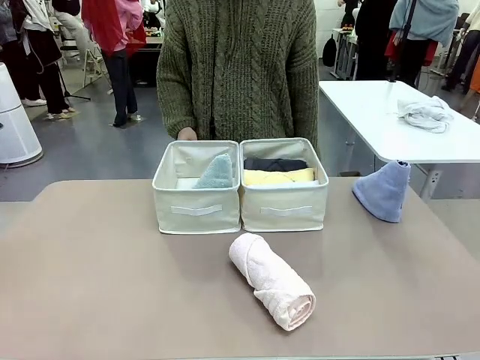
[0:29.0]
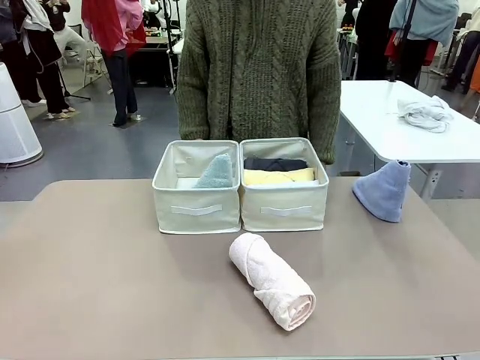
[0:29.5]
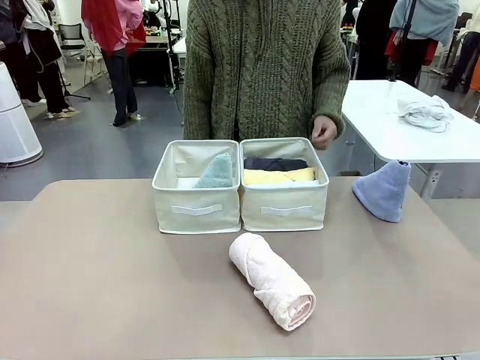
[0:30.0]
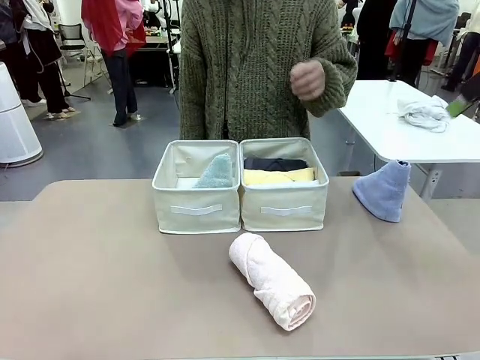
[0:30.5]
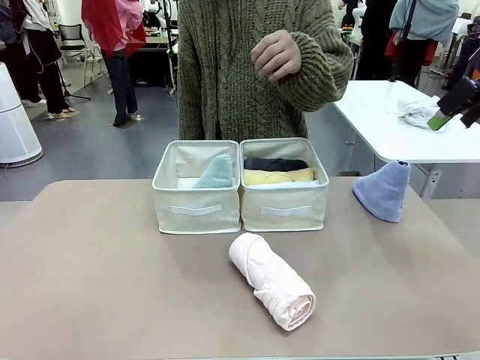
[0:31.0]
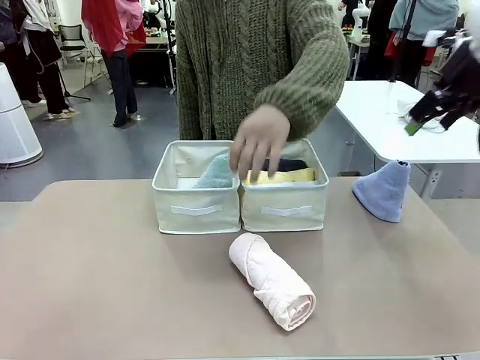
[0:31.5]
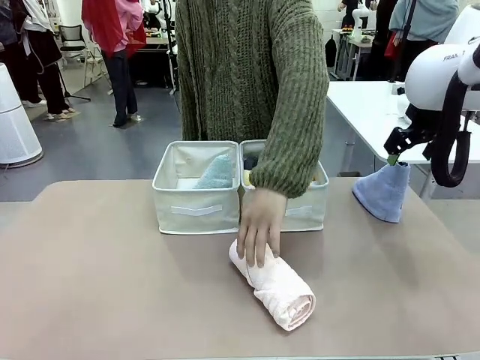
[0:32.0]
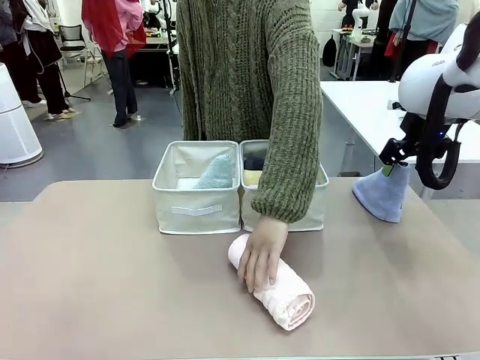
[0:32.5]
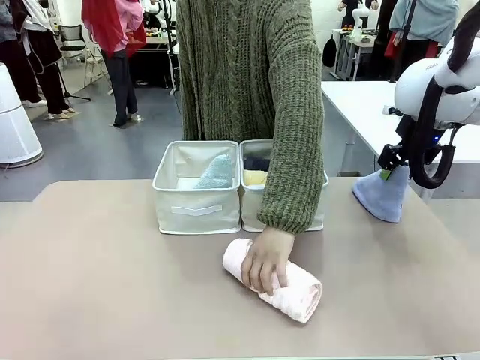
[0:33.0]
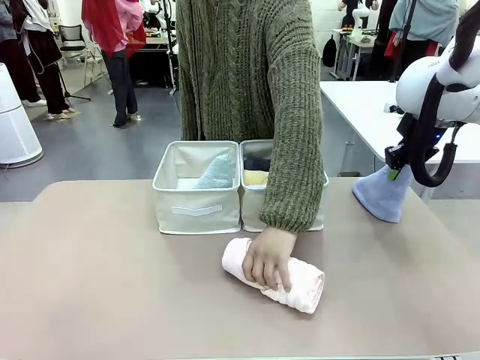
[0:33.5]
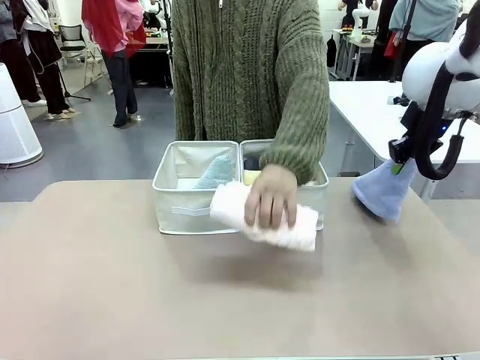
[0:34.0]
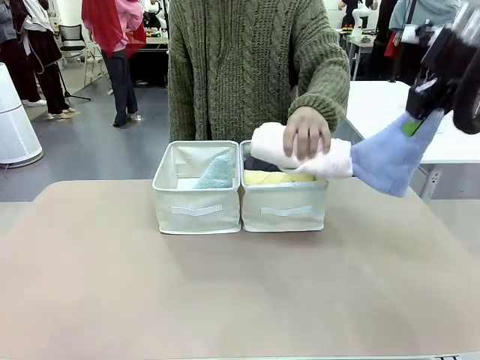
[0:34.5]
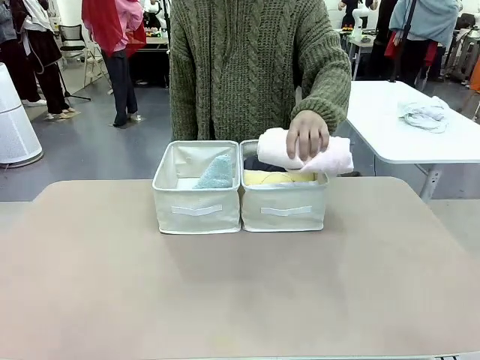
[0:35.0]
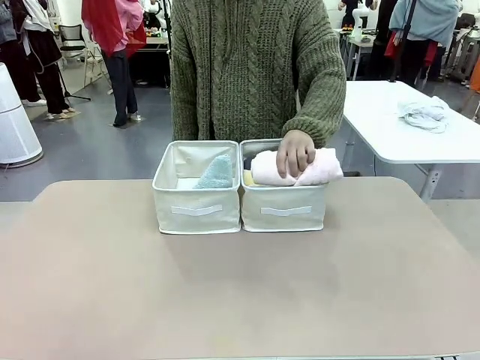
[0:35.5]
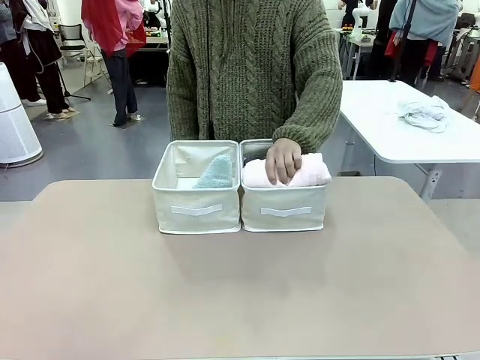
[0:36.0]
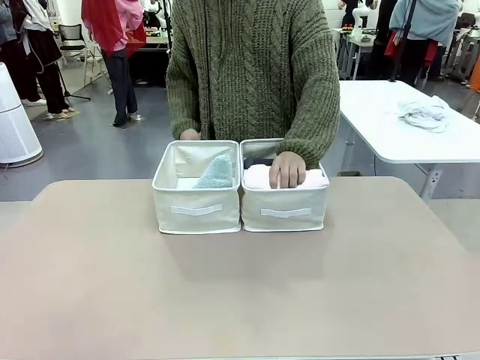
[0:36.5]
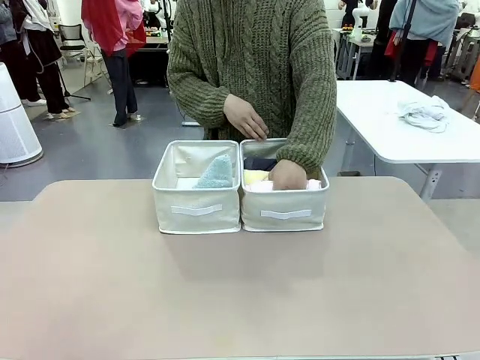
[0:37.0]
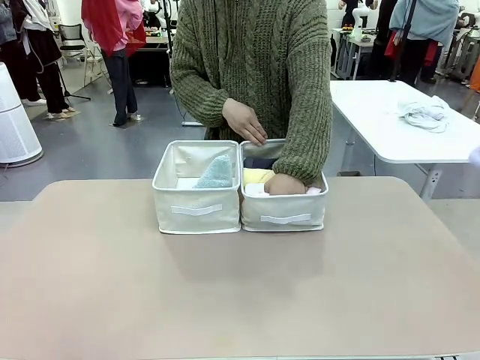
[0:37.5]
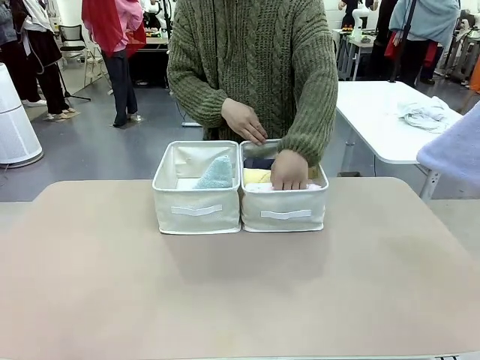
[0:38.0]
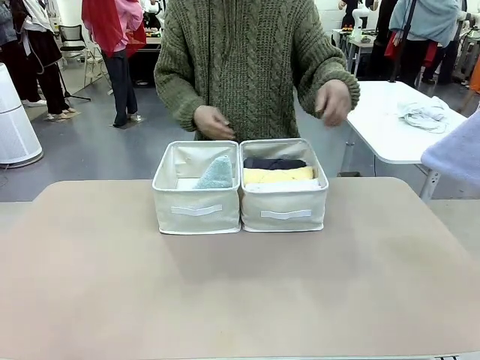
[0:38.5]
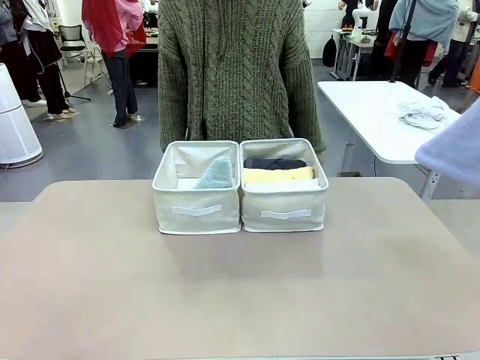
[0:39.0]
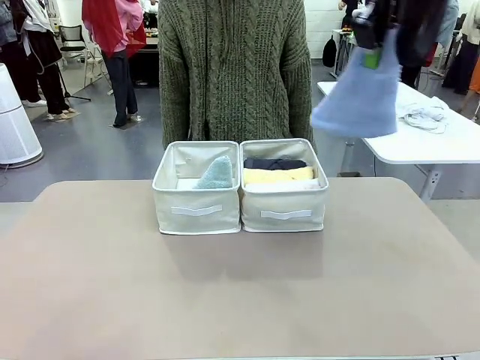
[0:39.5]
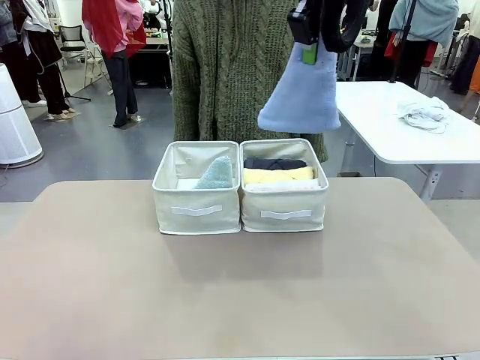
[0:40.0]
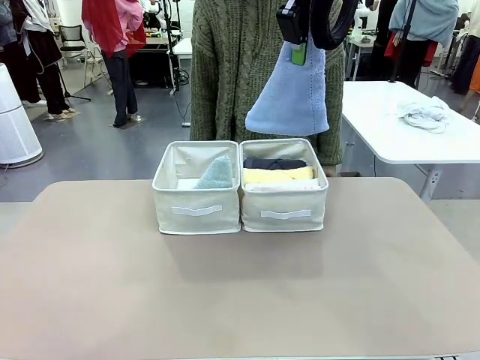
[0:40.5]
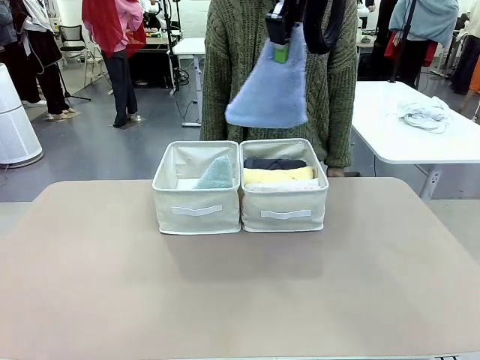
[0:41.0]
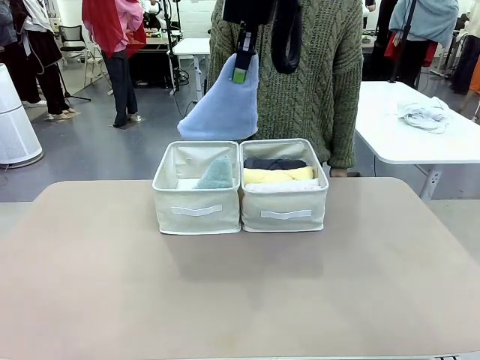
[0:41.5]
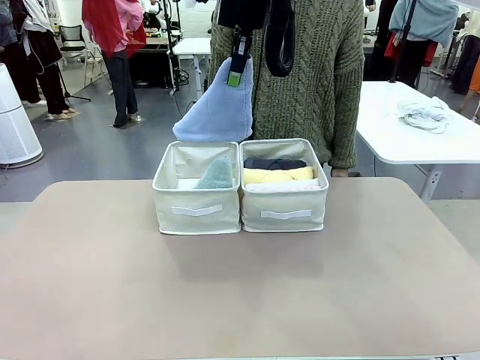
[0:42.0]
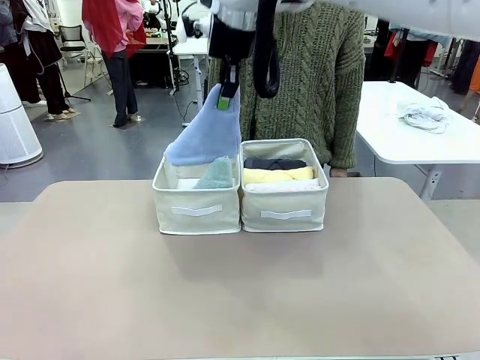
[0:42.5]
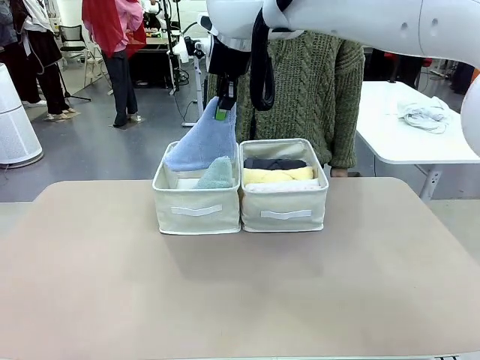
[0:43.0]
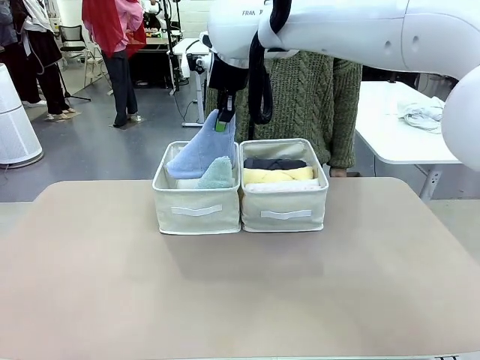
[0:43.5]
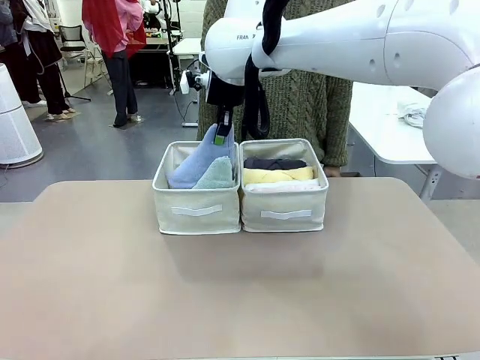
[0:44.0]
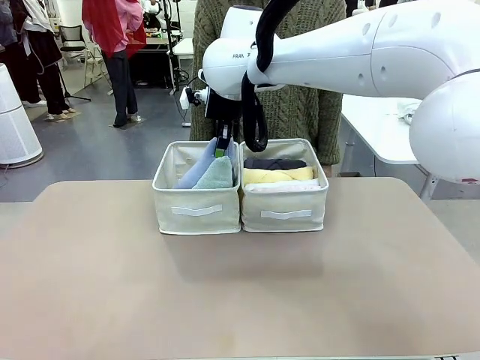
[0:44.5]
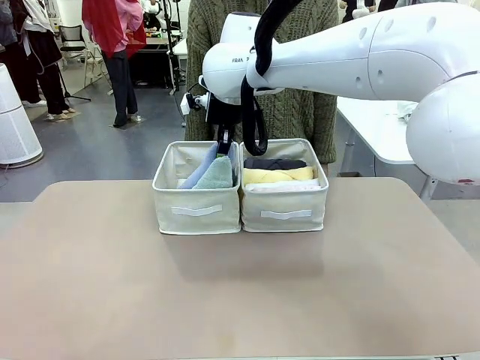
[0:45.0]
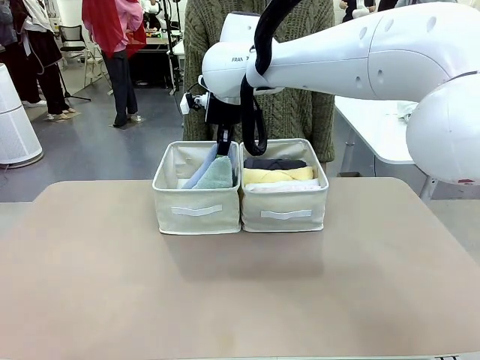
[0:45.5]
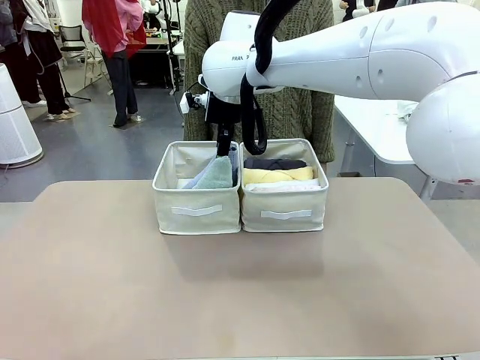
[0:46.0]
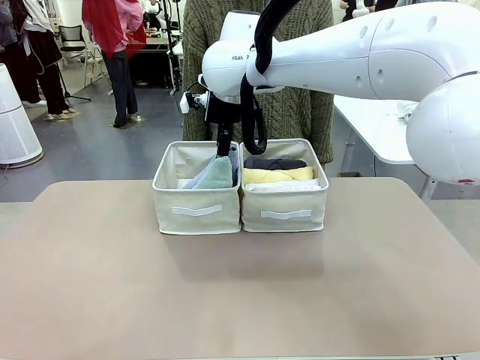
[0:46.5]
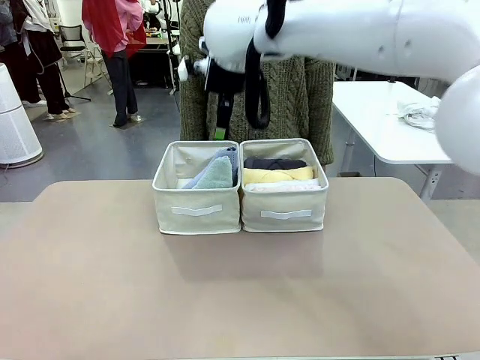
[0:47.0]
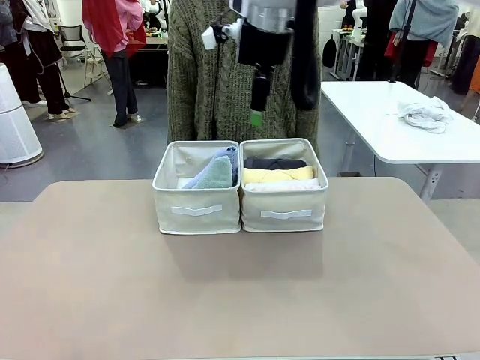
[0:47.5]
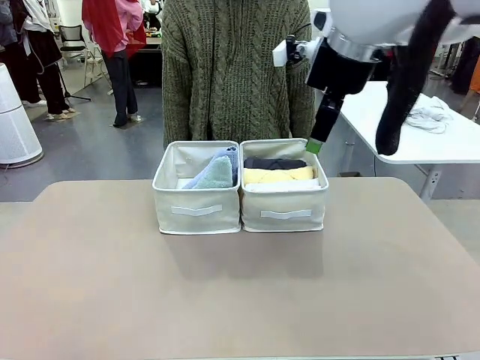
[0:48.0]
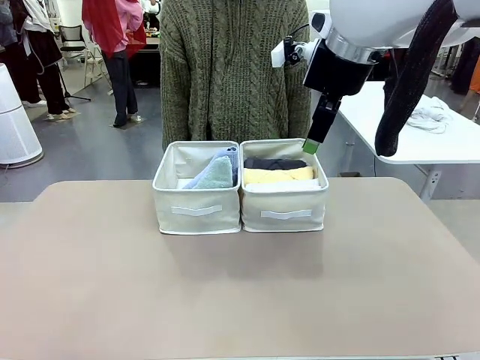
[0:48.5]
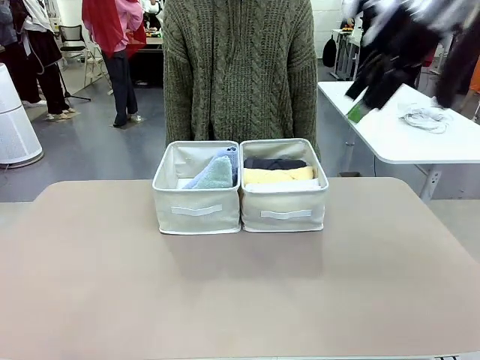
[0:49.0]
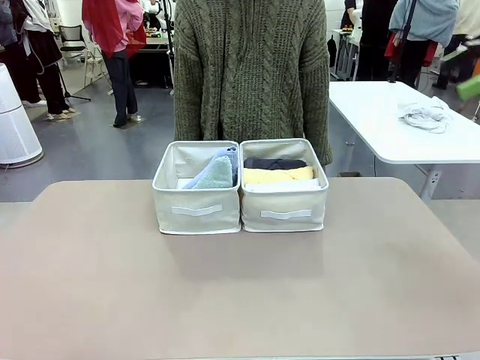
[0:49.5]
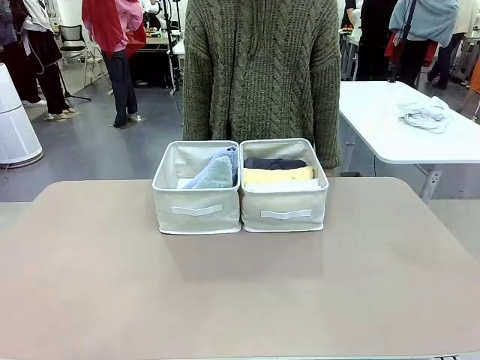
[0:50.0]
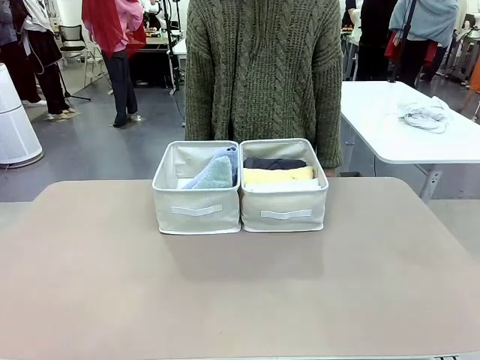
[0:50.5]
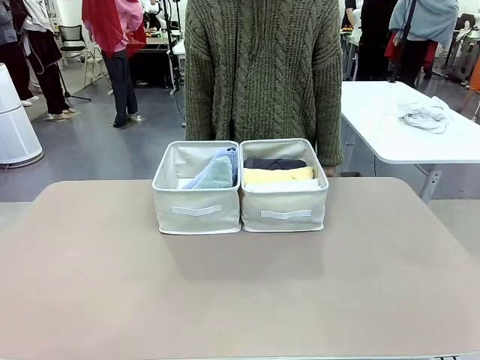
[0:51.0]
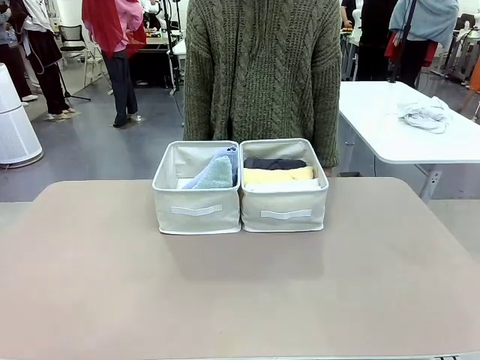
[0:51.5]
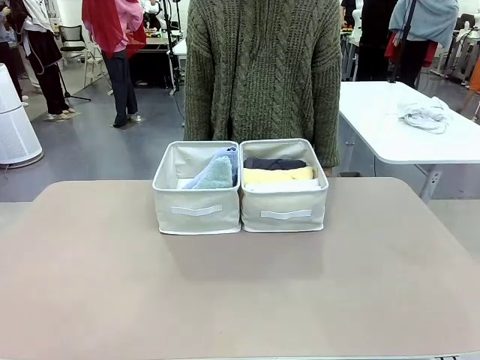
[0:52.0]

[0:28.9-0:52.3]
Task: Sort the towels based on their folding style.
Robot: Pick up another triangle-folded towel from the table and place it in the left Fabric basket.
Person: Pick up one hotel-style rolled towel from the table and place it in the left fabric basket.
